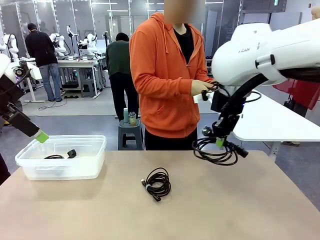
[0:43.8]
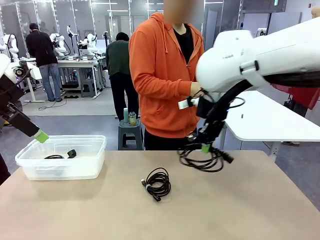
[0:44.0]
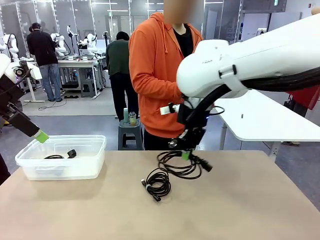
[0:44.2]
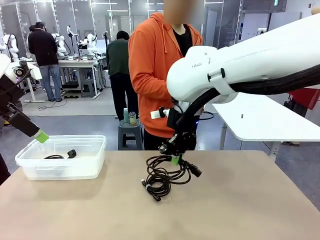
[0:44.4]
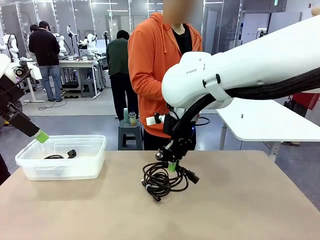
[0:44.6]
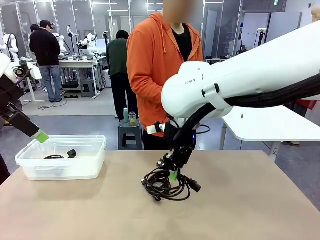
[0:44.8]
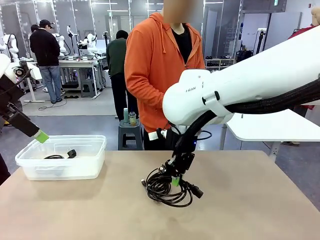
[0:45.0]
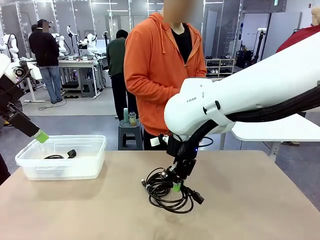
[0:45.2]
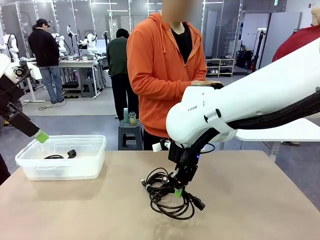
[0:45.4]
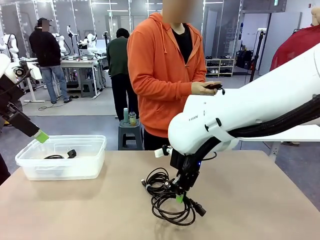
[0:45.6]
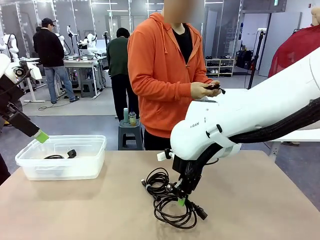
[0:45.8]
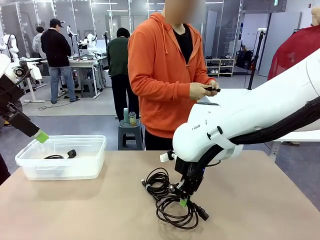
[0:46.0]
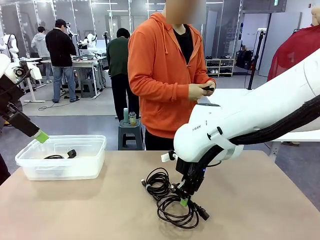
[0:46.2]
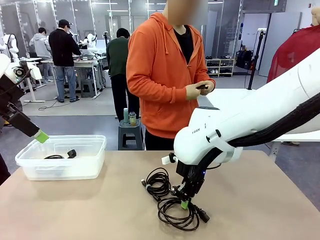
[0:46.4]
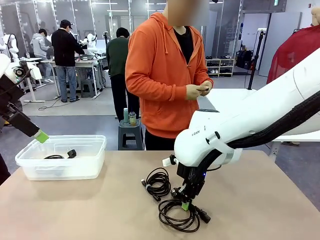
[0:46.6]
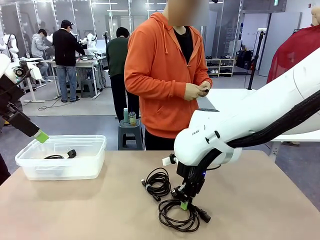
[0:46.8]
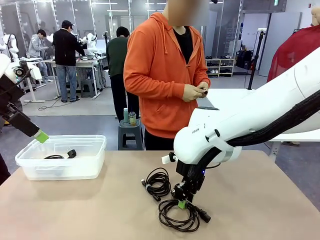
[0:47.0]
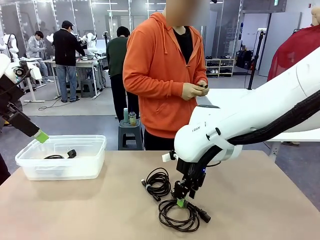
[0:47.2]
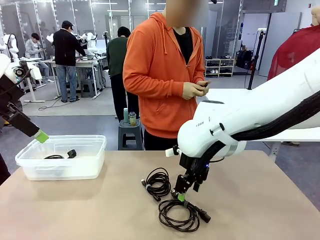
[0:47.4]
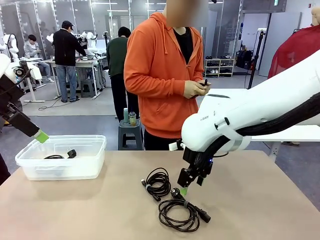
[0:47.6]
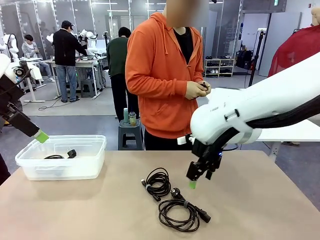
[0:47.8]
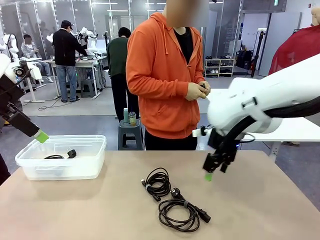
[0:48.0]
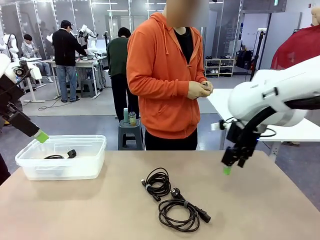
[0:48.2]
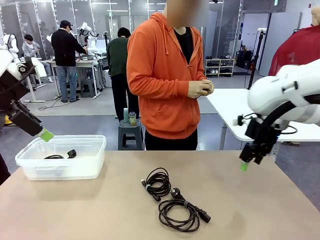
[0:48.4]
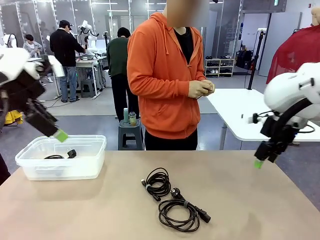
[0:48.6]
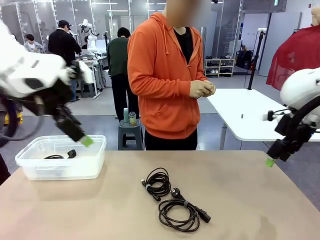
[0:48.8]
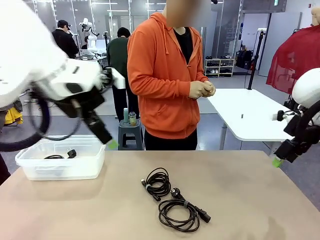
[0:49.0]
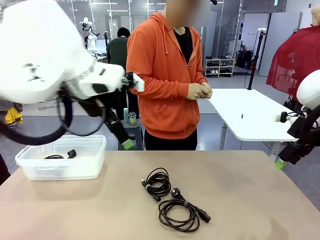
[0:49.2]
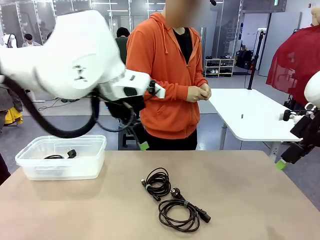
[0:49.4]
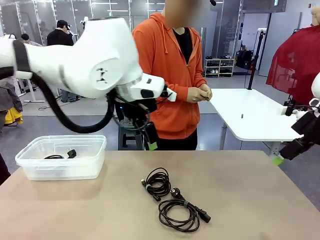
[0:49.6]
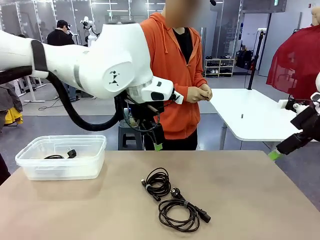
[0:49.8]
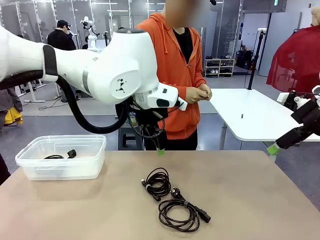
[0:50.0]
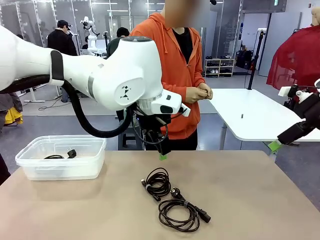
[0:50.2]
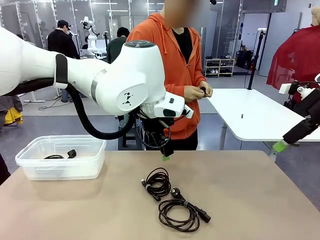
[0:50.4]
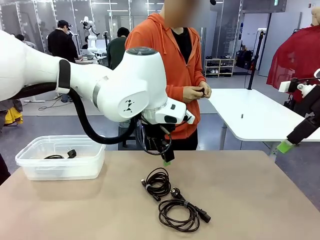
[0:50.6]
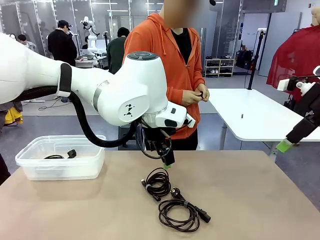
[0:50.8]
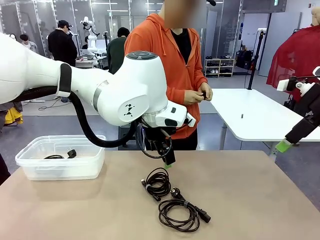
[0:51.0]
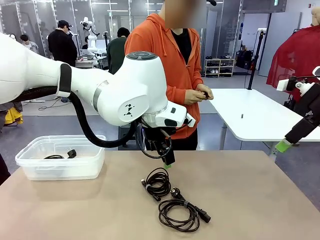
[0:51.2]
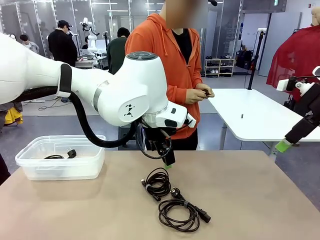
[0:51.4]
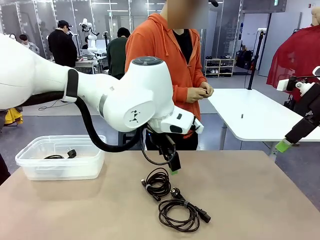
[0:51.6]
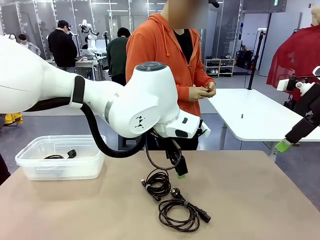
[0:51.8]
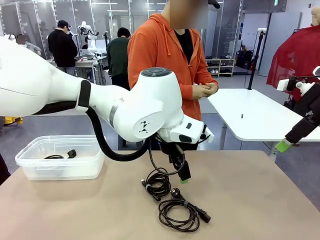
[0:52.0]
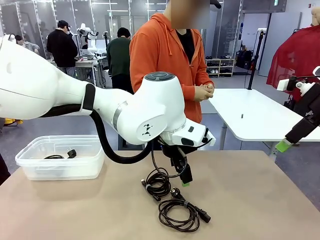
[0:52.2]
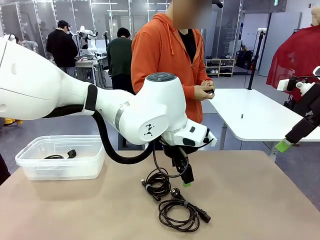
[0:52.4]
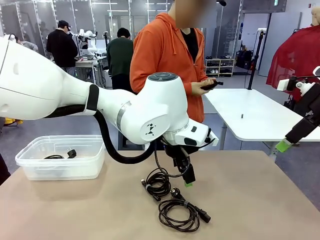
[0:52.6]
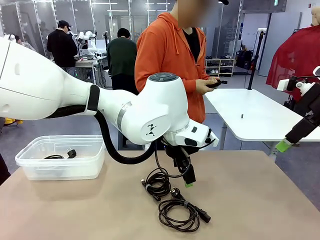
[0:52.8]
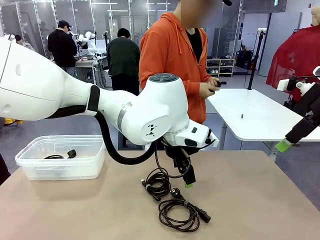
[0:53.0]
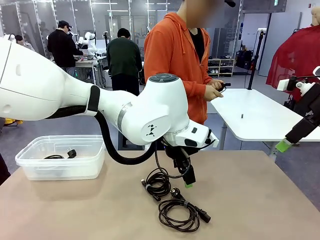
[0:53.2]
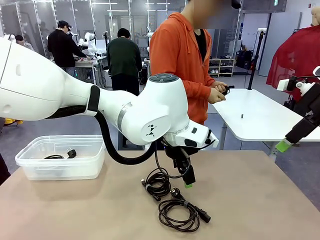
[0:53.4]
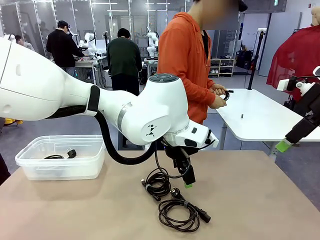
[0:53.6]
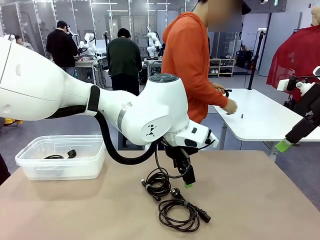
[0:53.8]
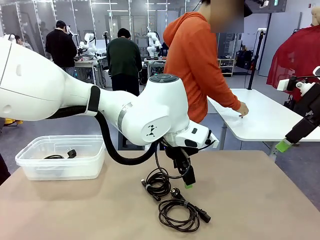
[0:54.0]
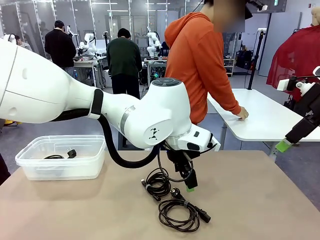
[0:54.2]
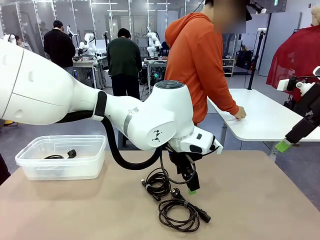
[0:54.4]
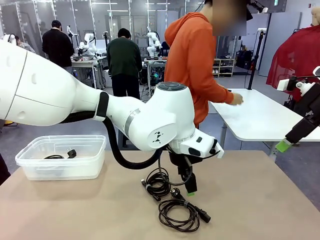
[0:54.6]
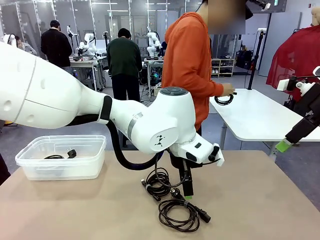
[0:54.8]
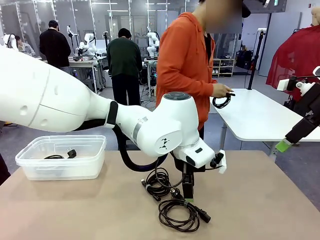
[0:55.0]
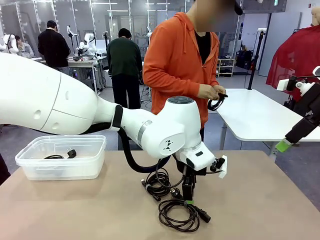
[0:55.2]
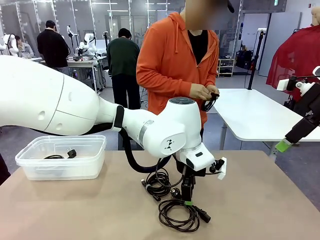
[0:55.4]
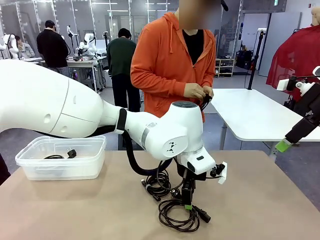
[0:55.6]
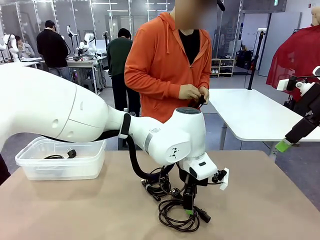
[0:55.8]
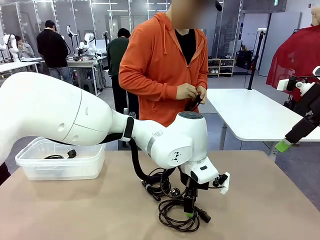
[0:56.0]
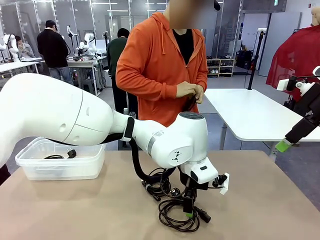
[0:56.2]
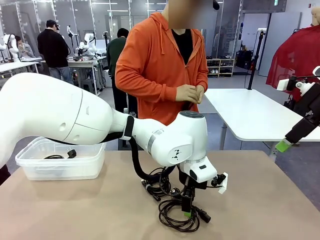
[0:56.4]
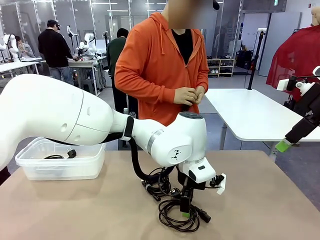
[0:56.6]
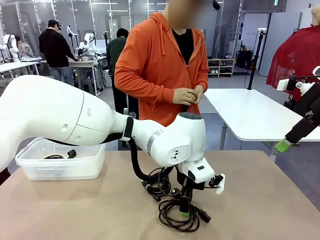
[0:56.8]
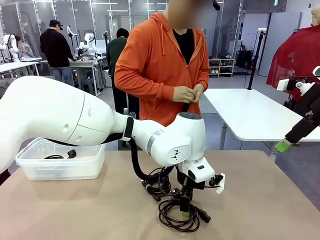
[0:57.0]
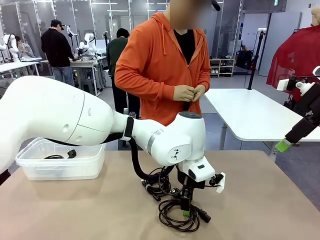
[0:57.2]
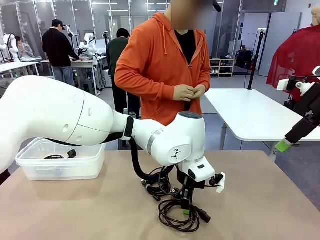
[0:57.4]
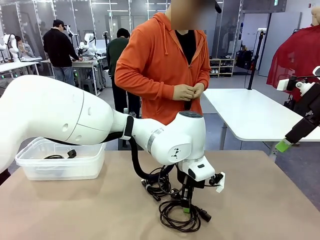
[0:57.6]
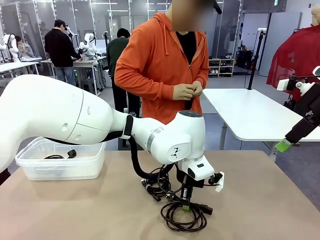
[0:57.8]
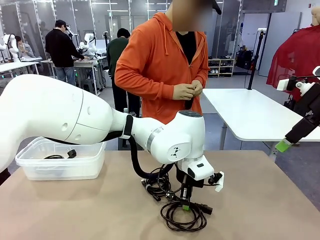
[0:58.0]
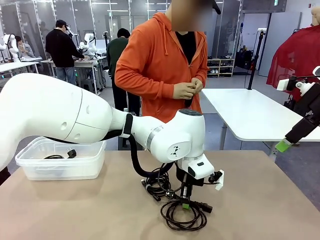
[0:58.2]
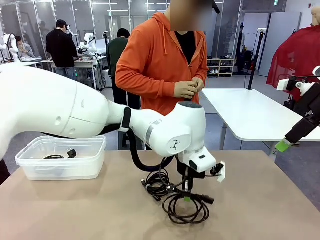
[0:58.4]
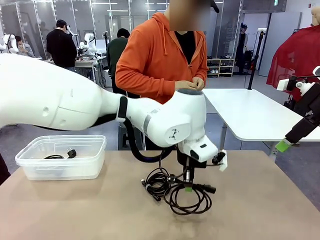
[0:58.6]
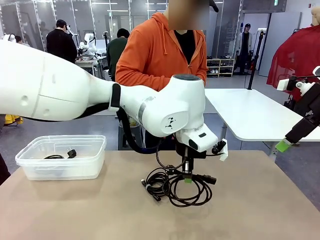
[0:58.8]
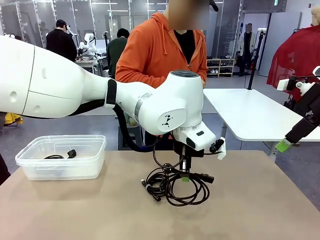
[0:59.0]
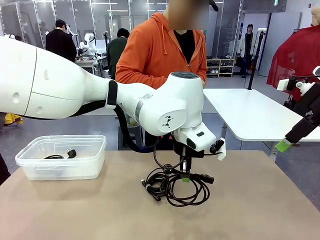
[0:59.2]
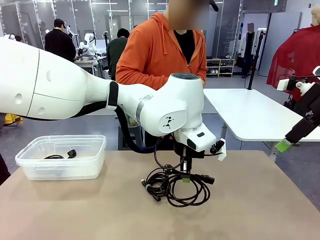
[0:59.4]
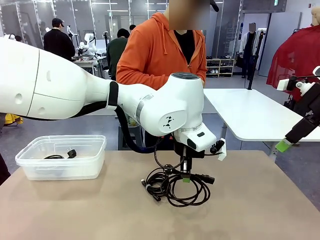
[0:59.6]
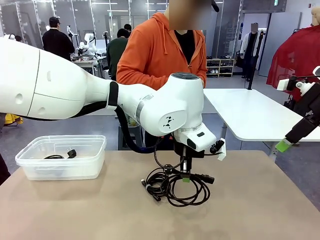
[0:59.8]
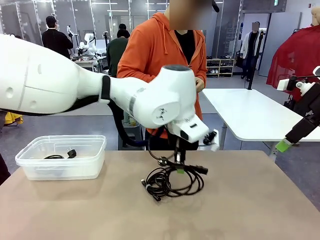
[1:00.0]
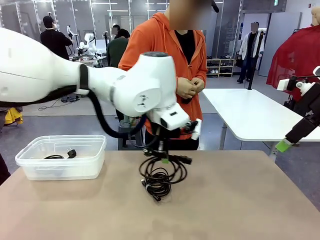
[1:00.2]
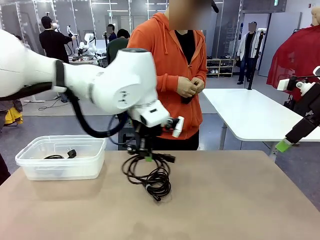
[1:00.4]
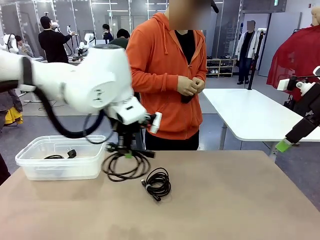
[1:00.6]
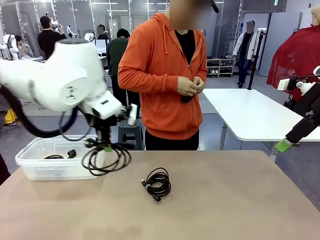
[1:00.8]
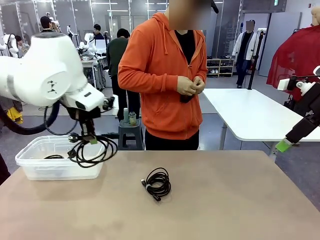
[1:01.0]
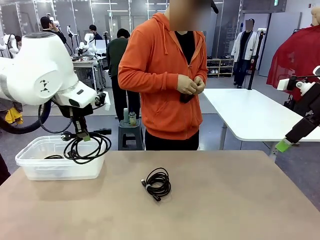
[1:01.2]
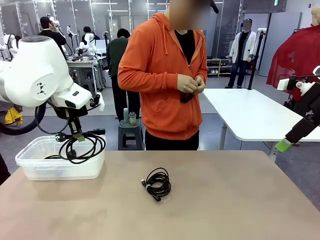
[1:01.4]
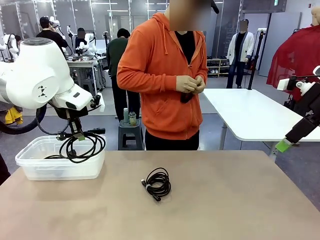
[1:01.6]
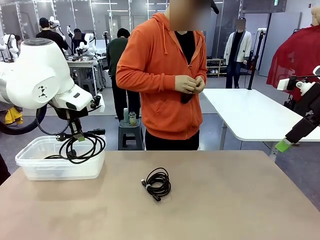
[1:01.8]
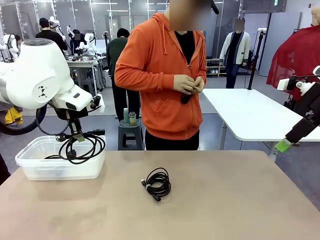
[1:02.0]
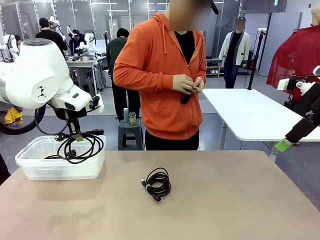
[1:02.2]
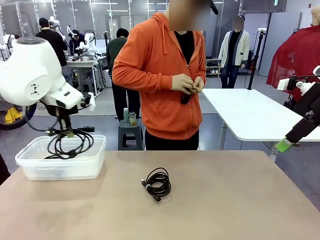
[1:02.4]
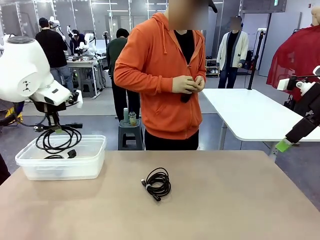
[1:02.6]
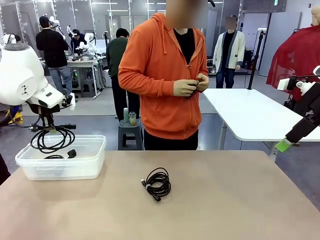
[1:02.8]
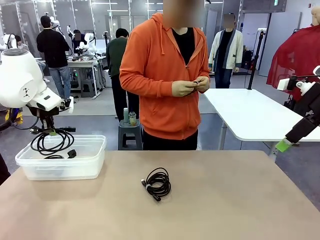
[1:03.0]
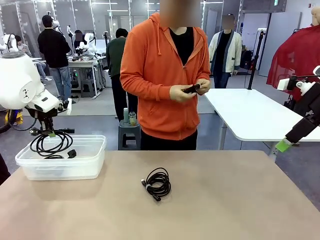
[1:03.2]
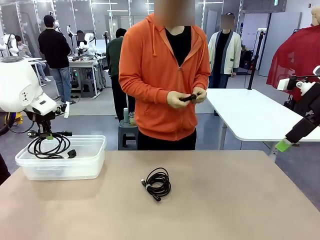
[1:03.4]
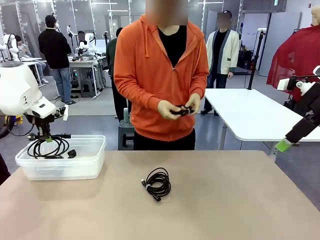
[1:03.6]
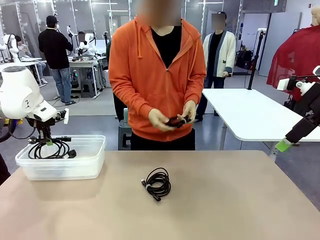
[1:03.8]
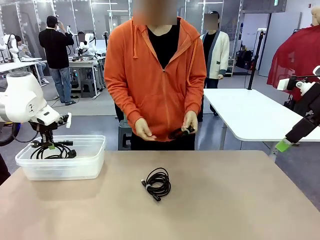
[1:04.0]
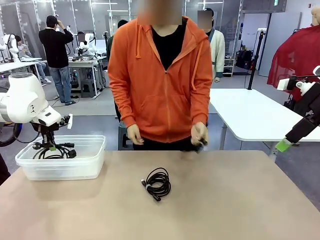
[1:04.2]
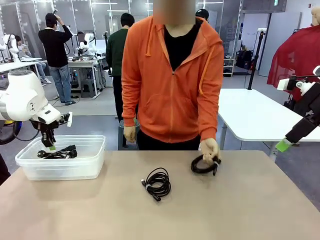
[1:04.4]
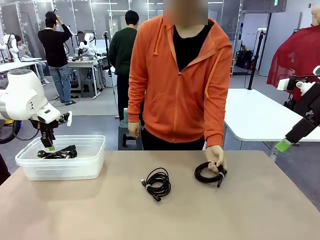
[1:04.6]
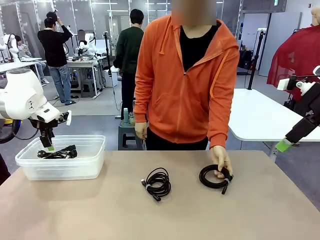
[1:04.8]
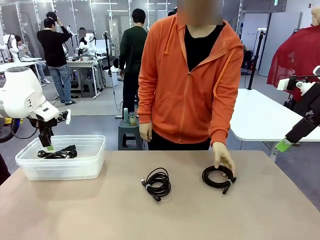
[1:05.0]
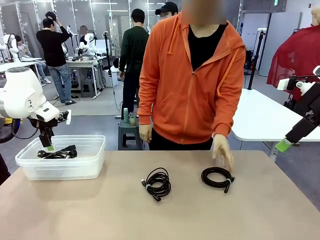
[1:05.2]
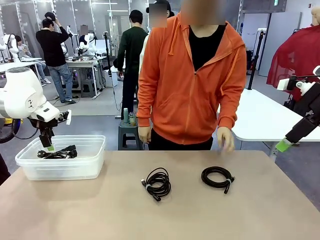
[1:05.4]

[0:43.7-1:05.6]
Task: Organize and store the cables.
Robot: Place the Power Cable into the Organizing box.
